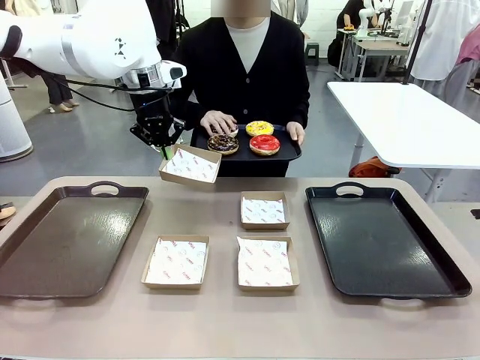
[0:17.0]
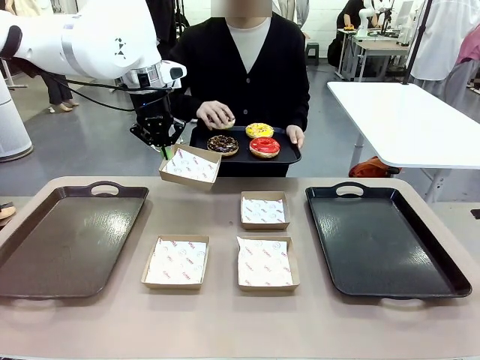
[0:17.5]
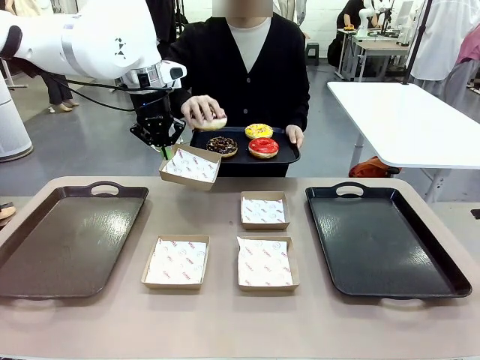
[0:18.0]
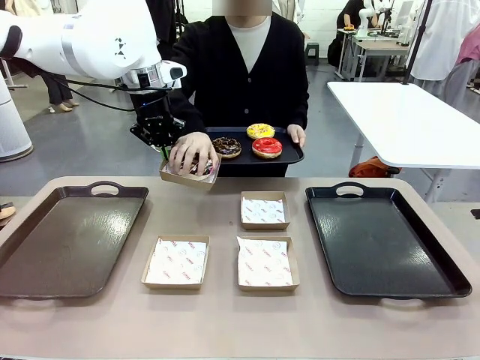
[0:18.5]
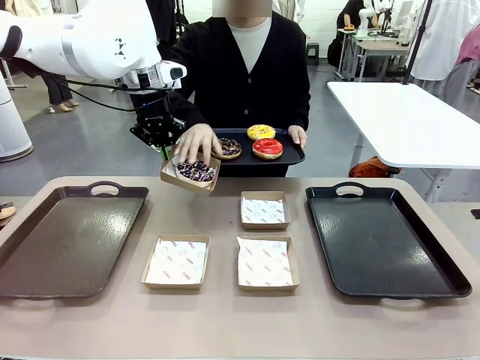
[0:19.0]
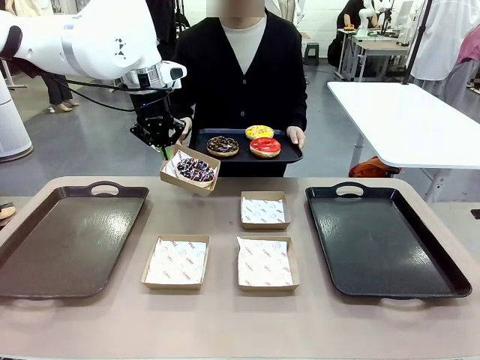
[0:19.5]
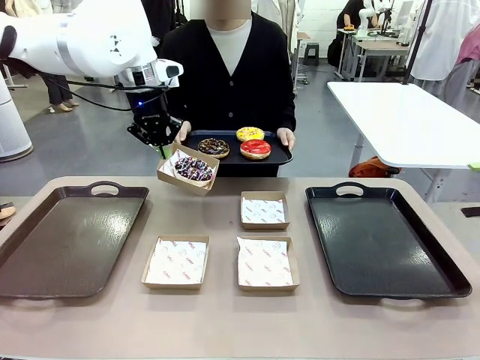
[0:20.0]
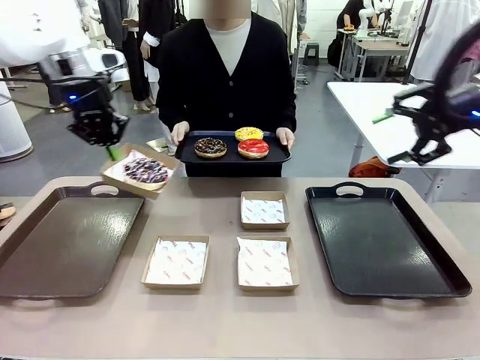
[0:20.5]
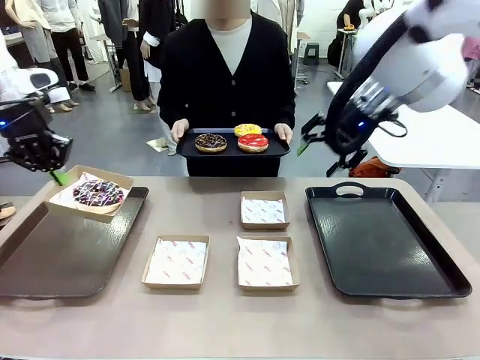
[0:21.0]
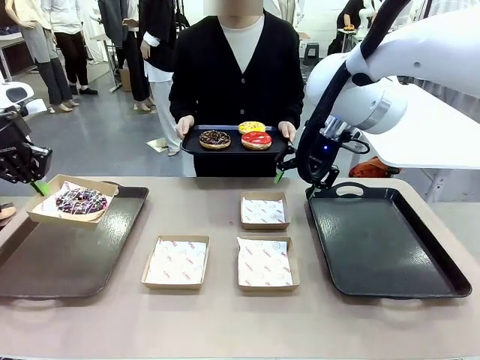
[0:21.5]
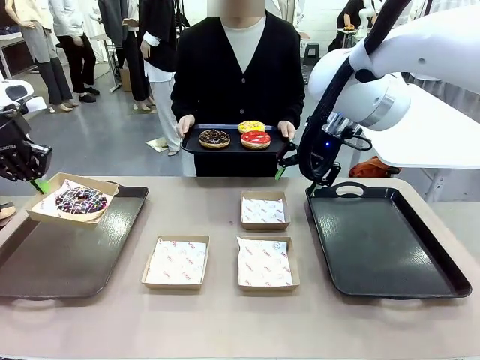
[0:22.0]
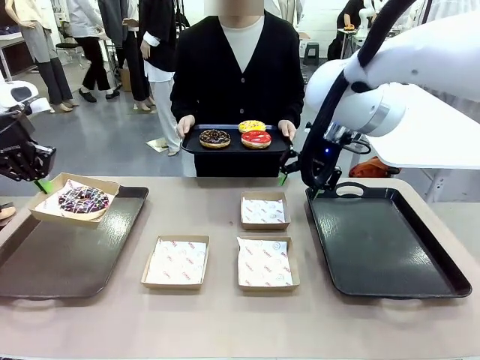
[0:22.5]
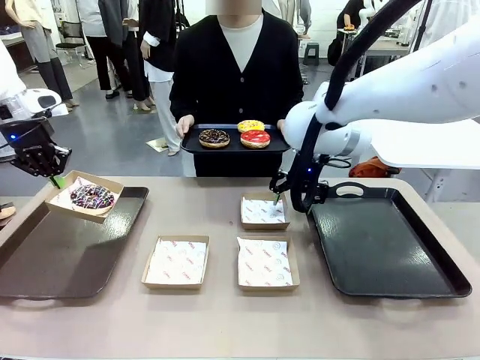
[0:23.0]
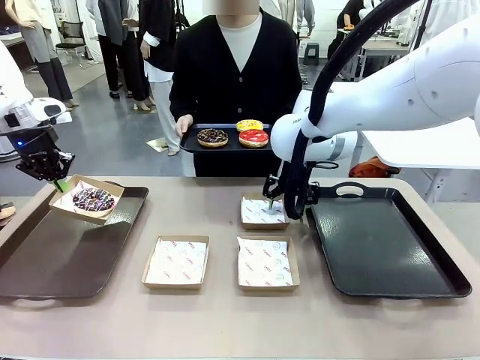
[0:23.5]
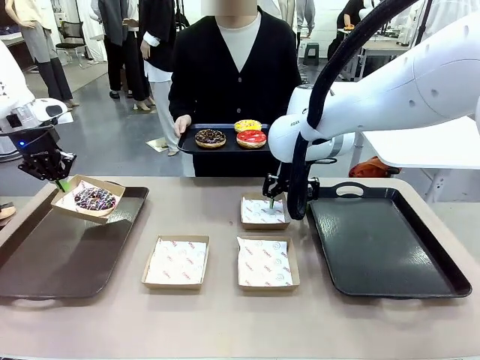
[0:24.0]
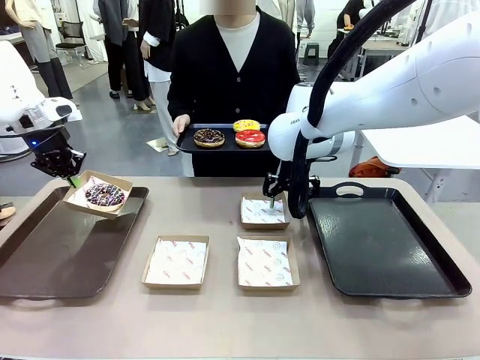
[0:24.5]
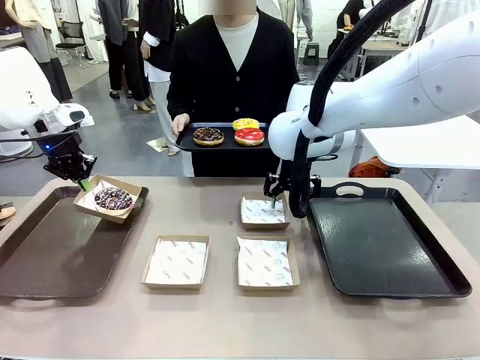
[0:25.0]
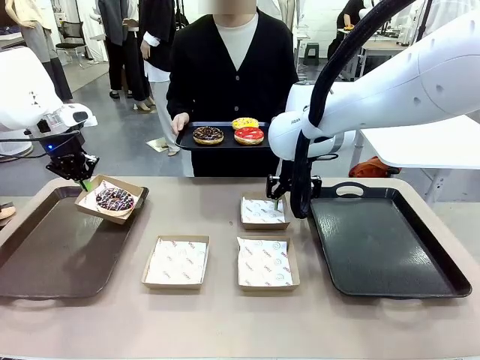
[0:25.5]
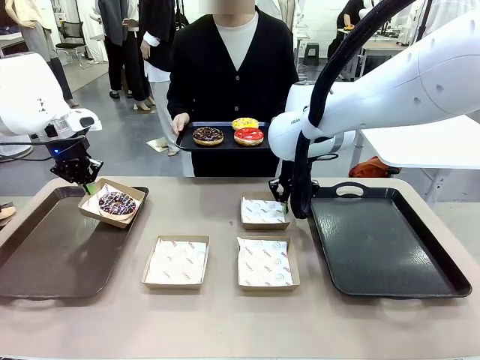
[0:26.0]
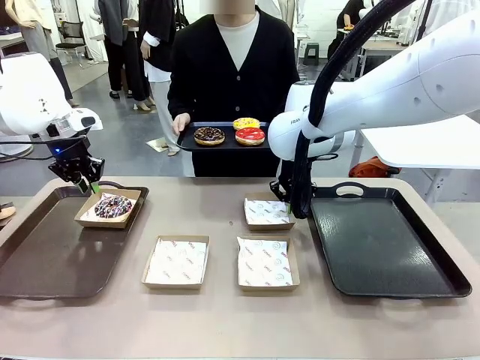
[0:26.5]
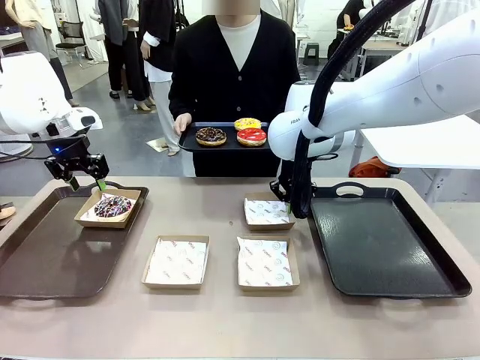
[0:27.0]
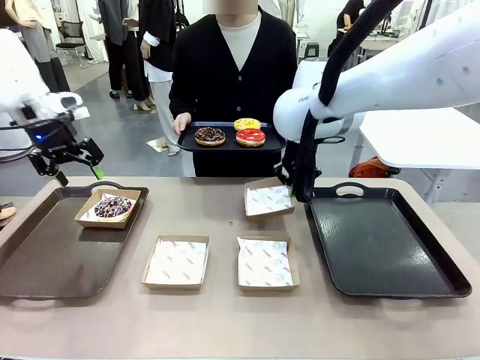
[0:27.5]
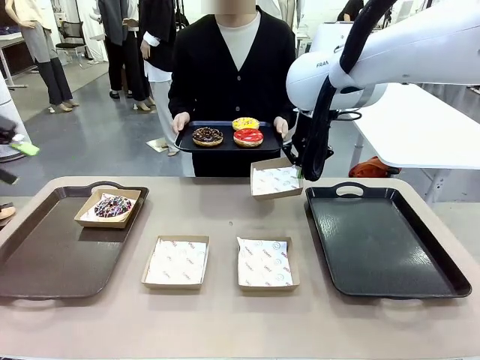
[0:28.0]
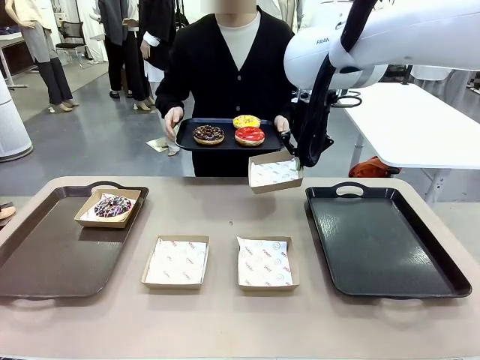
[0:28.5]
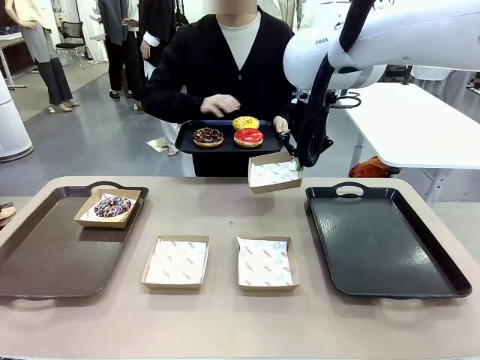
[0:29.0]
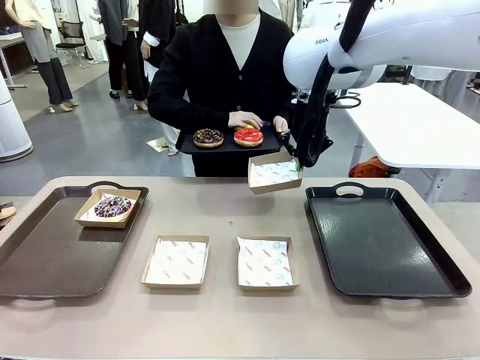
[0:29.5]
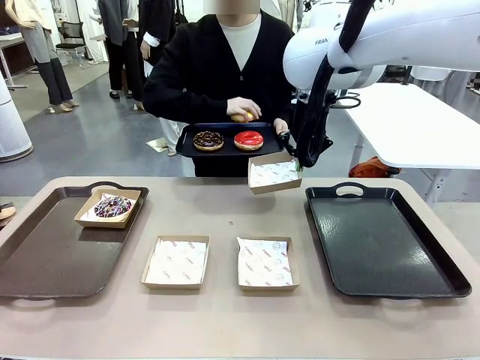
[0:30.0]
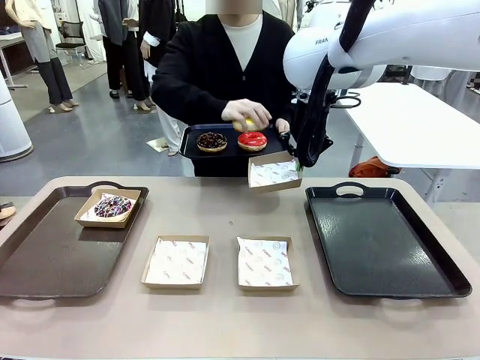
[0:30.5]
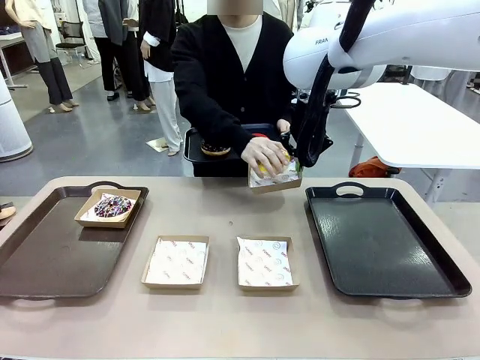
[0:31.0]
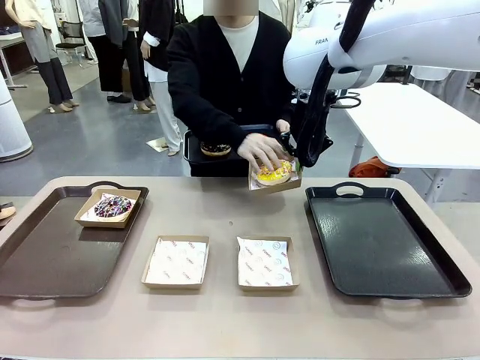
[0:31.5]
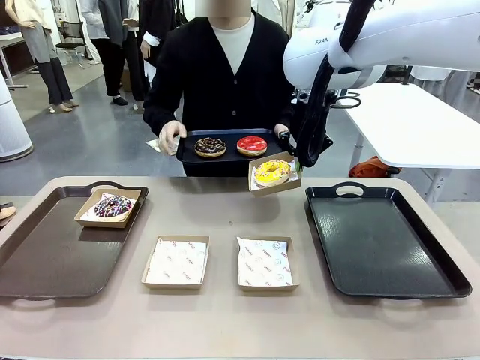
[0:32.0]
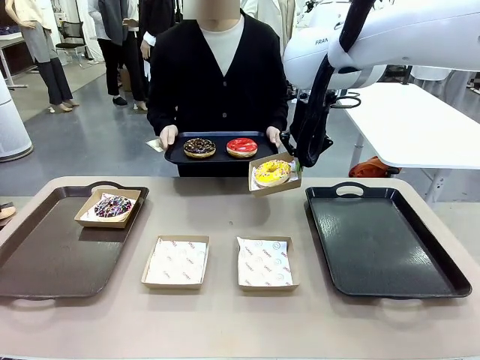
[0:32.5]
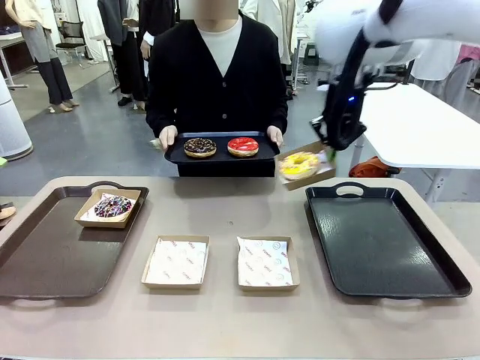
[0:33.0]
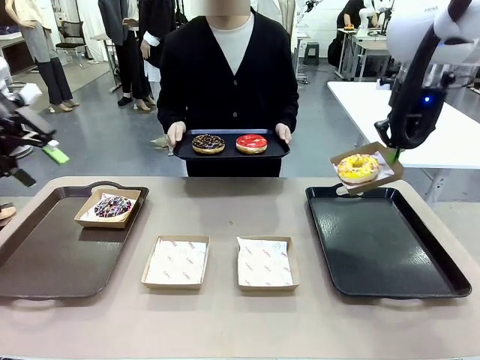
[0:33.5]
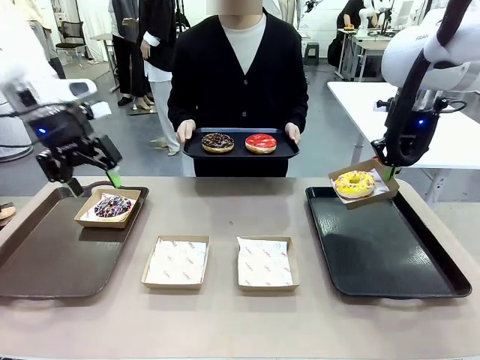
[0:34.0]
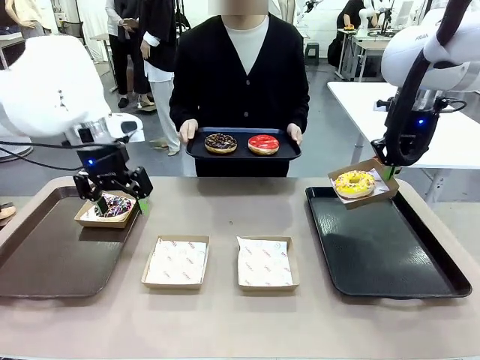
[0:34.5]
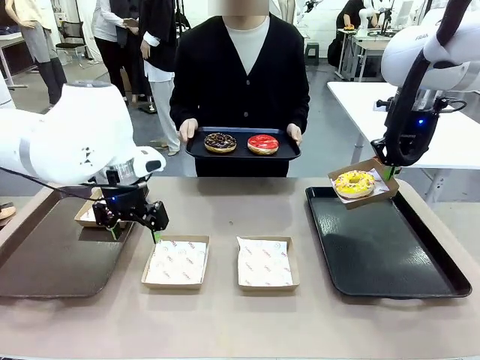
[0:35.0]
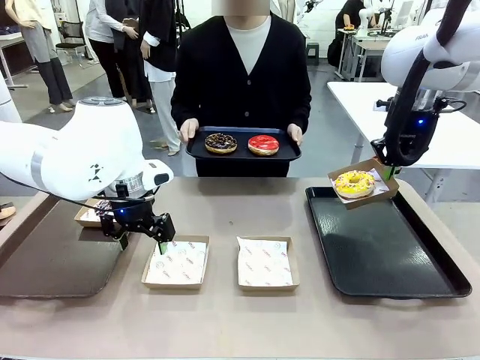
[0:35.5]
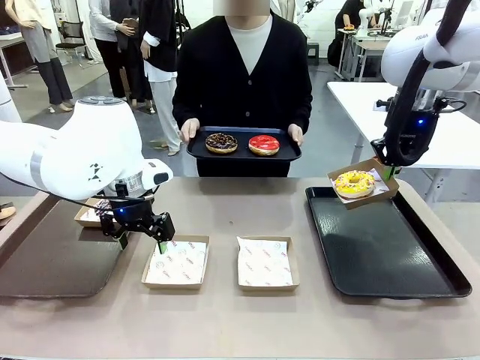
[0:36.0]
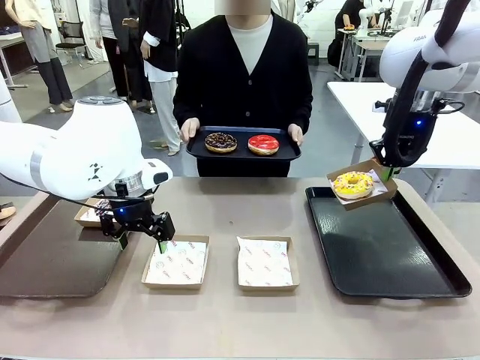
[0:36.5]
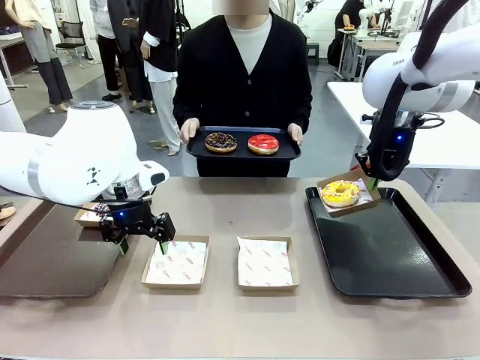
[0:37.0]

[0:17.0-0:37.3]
Task: Individually package the donuts and arrange them on the tray.
Robot: Place the picked Paper togo box on the Handle tray while simultaneously picking up another Paper togo box from the table with the other hand.
